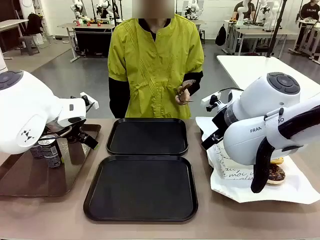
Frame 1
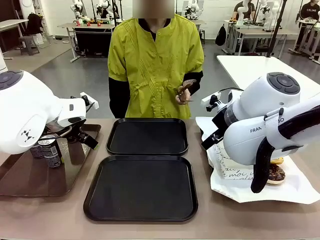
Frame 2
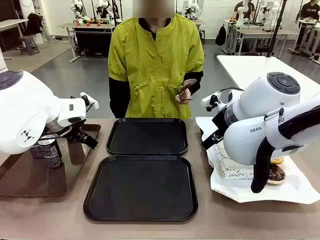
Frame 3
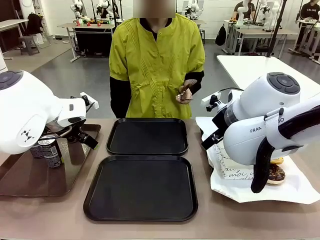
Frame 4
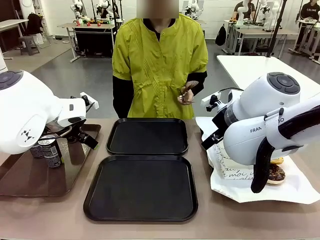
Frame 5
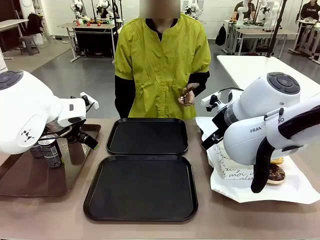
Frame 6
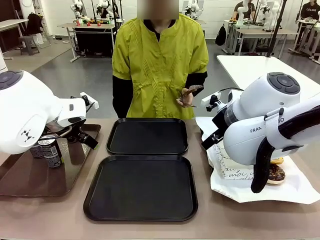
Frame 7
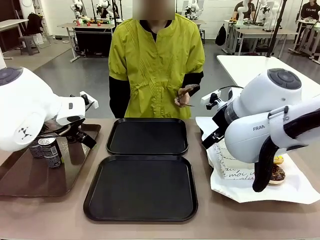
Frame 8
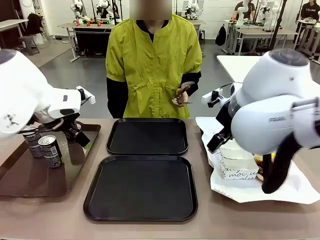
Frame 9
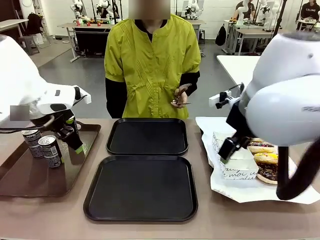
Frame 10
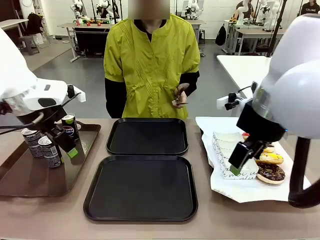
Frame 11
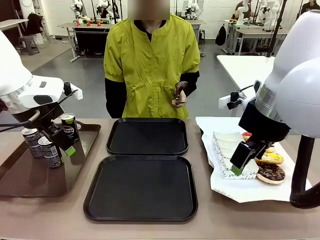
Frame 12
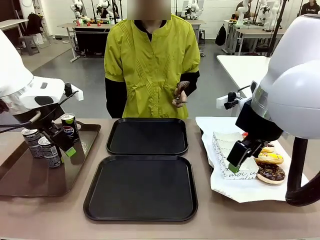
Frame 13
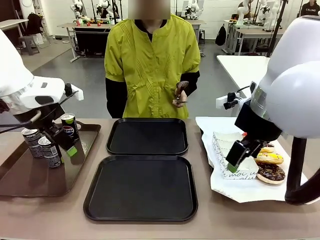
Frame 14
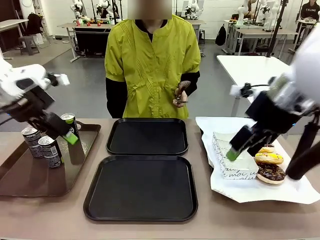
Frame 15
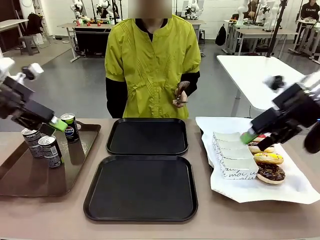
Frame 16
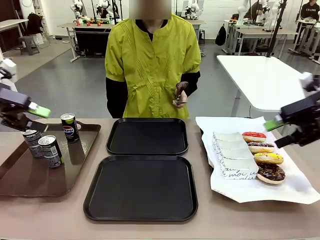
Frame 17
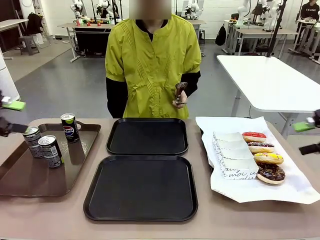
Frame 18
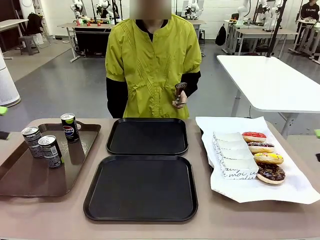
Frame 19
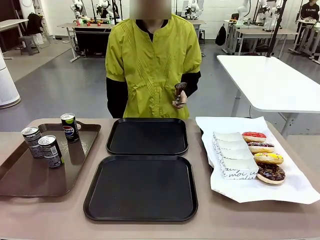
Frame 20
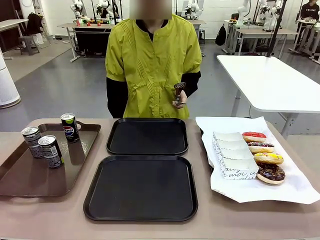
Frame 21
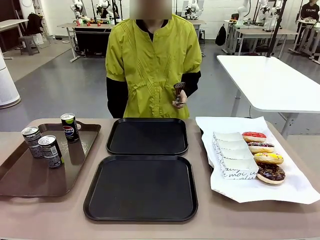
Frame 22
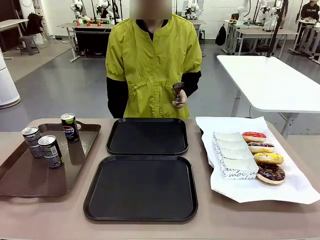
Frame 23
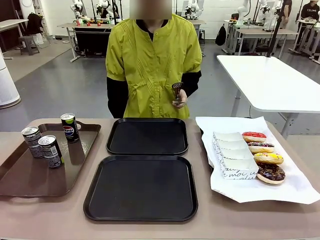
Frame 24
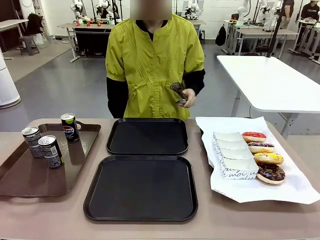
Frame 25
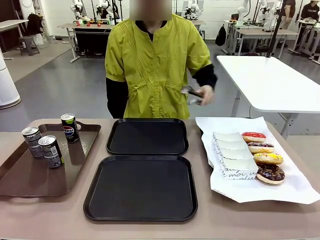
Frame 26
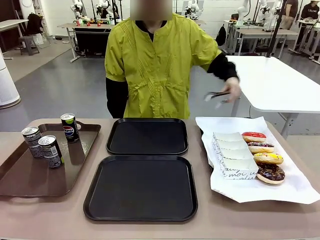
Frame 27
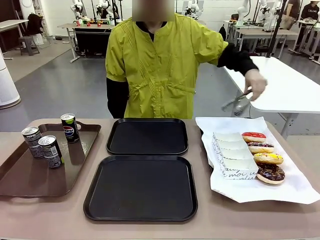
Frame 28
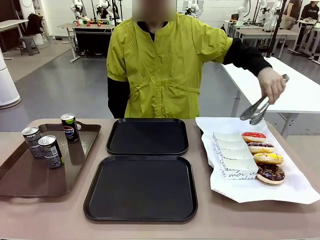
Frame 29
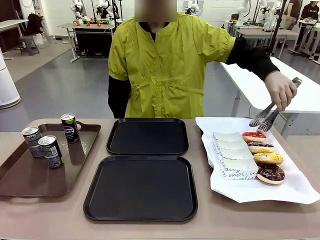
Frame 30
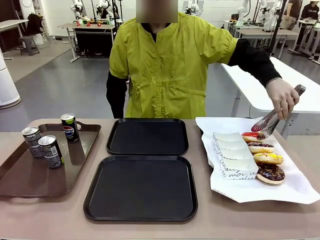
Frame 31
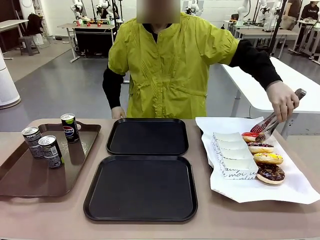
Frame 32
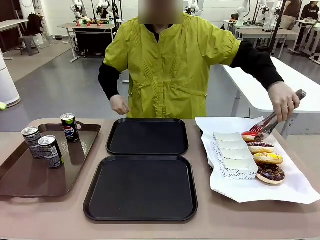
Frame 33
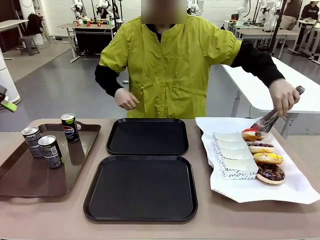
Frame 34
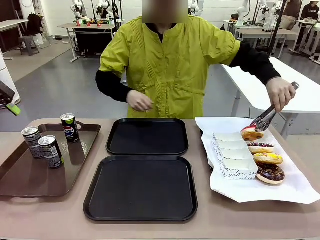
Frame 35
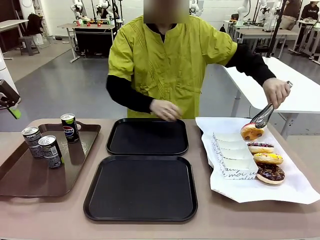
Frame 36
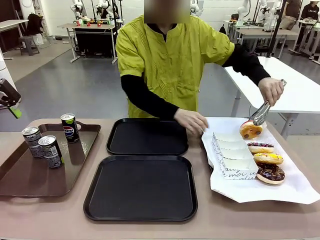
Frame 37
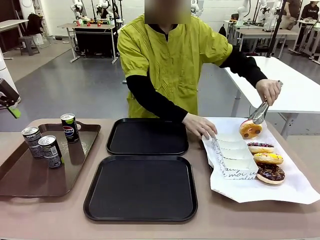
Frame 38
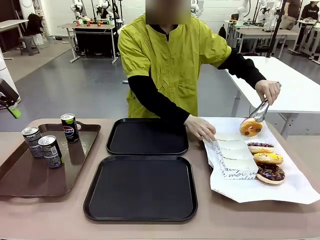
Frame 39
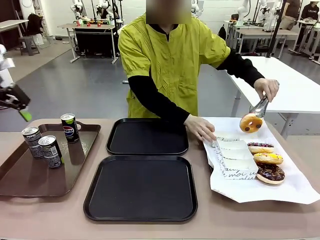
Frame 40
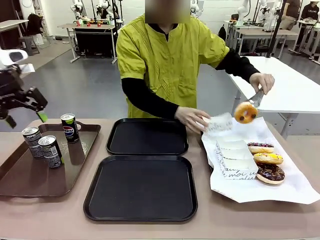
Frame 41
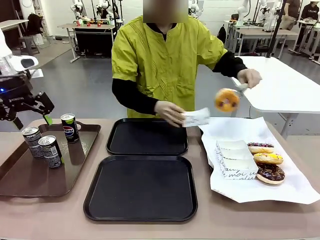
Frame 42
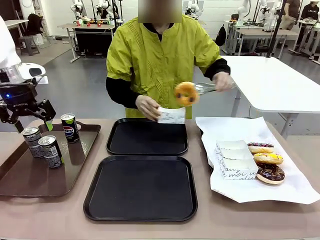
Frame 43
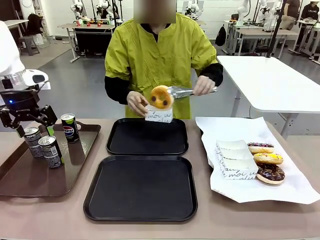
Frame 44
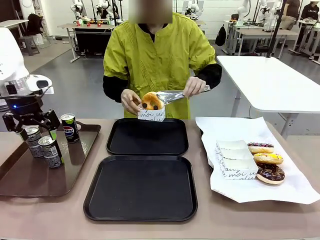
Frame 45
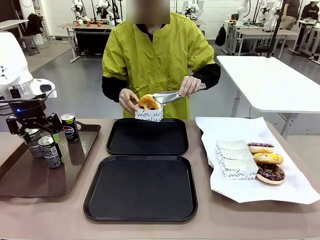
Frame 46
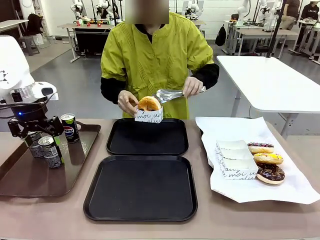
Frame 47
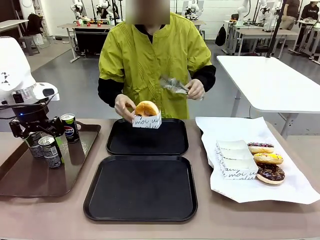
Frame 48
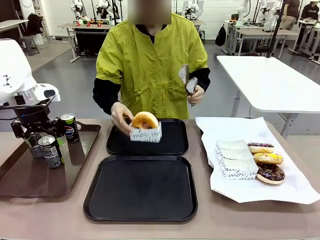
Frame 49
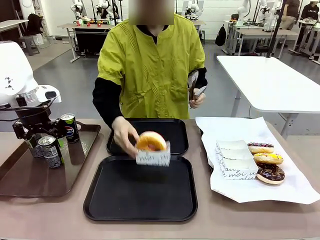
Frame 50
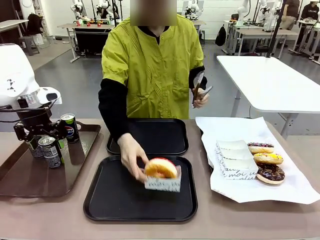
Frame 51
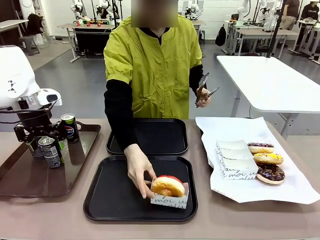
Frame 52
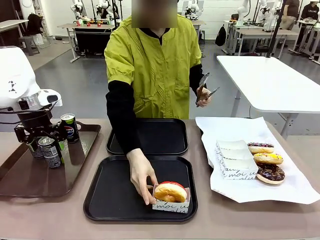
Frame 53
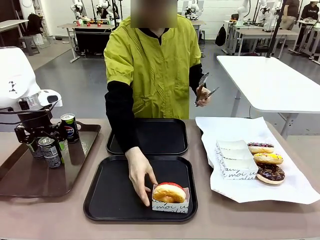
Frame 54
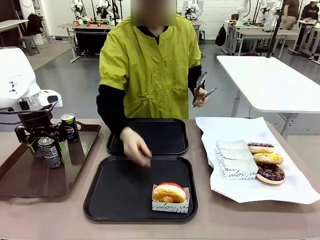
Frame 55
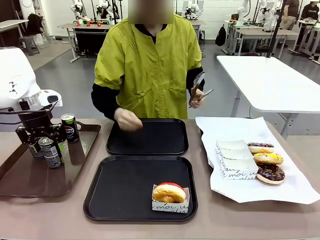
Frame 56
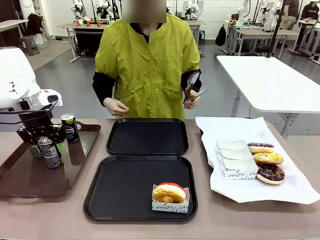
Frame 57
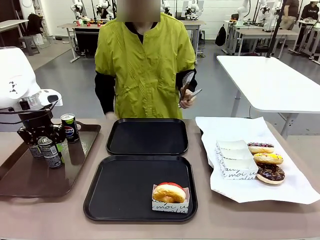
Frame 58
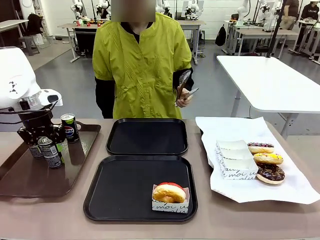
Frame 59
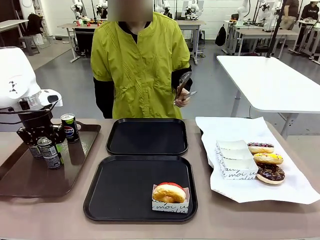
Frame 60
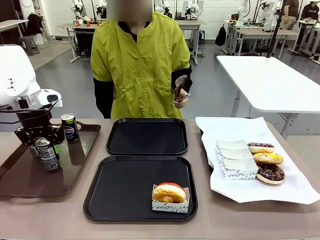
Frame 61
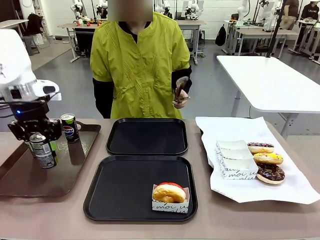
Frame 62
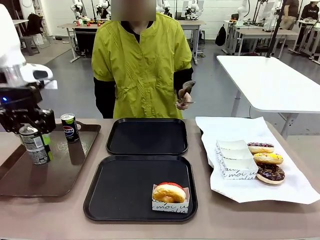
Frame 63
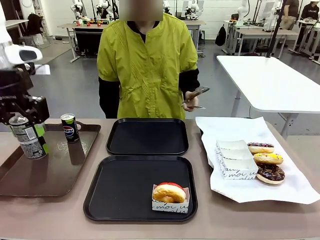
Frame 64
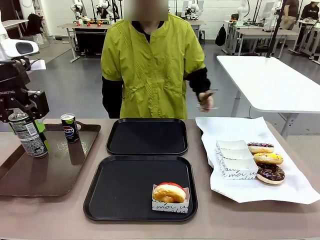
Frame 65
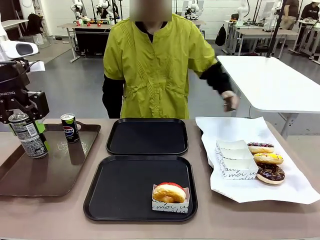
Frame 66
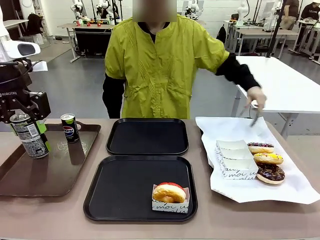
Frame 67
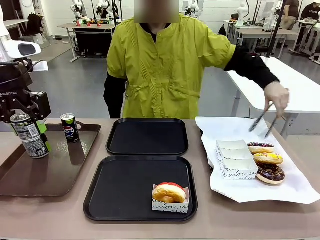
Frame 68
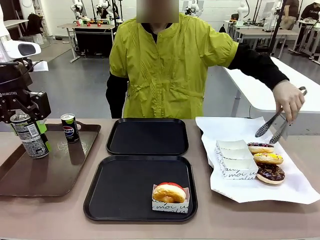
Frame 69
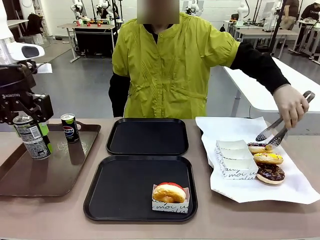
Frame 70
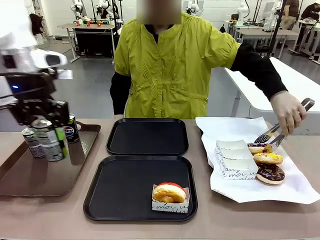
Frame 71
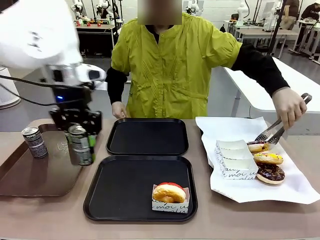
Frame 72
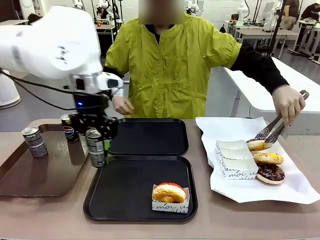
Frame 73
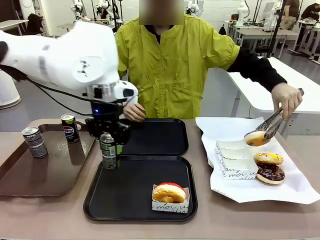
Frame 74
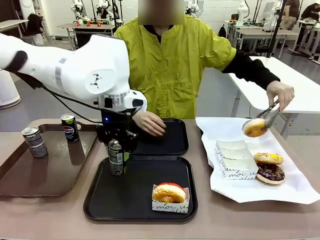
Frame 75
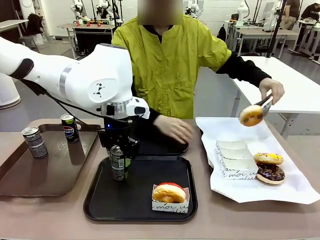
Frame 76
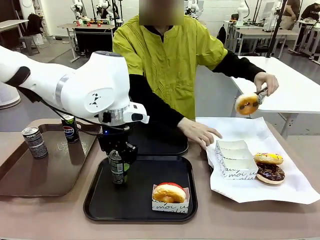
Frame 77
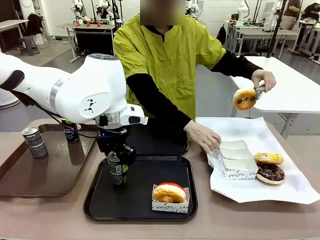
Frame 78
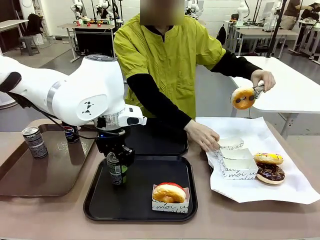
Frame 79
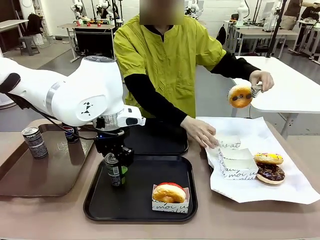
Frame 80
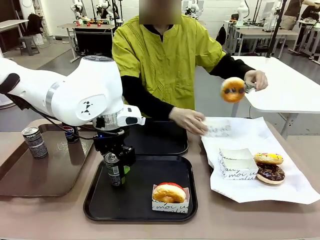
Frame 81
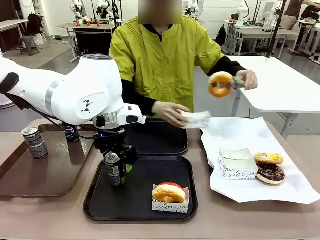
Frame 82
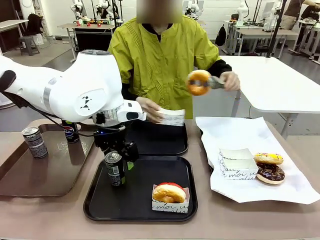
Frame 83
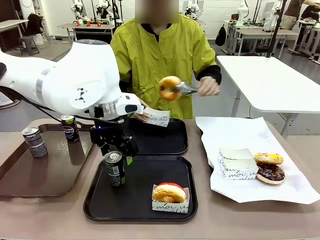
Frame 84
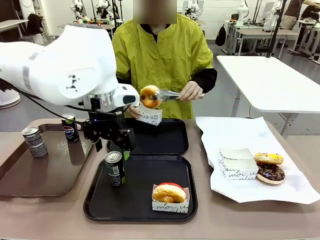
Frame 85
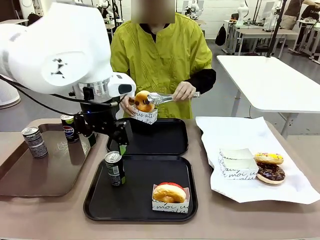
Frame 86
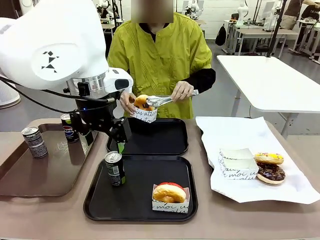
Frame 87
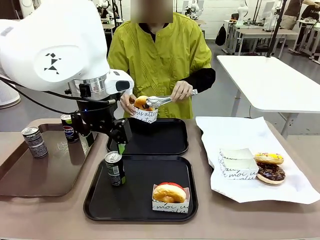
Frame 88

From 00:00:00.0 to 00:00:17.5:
Task: Set up donuts and drinks on trays.
Robot: Pick up one Pepsi coke and place it on the Flat Tray.
